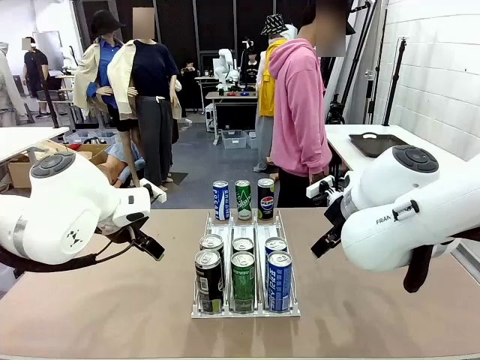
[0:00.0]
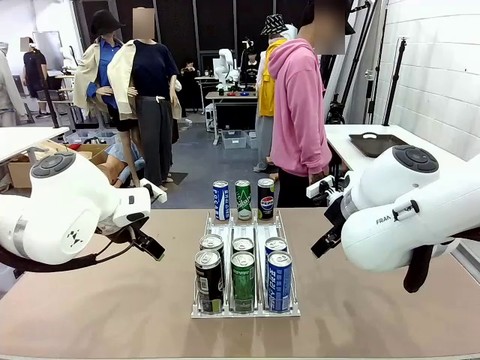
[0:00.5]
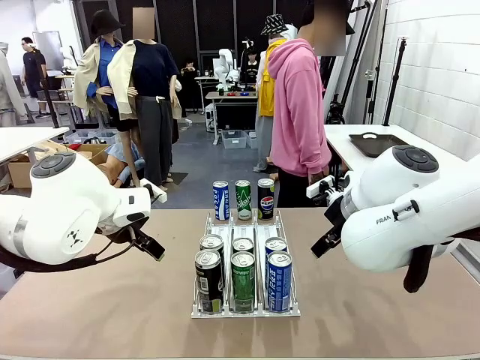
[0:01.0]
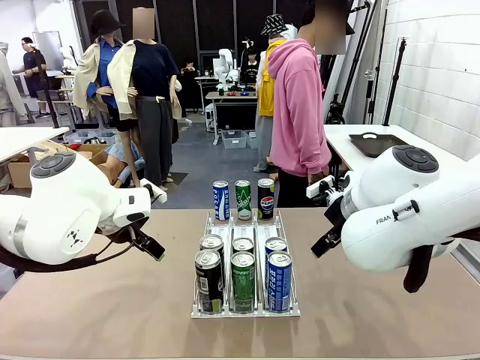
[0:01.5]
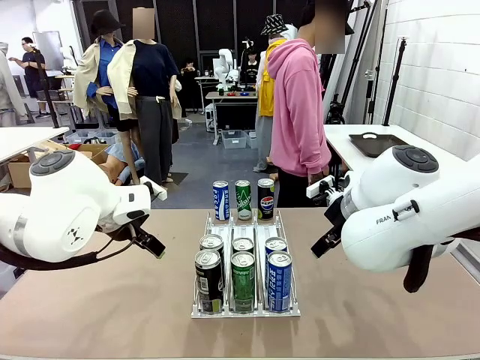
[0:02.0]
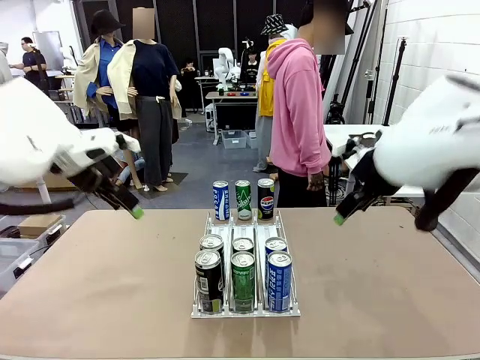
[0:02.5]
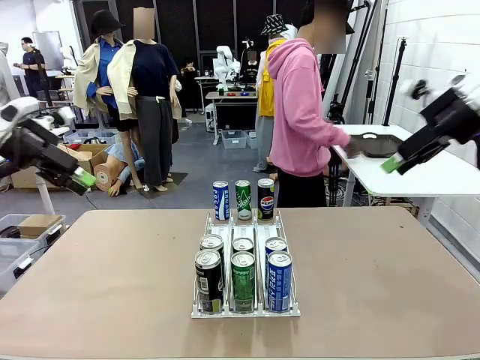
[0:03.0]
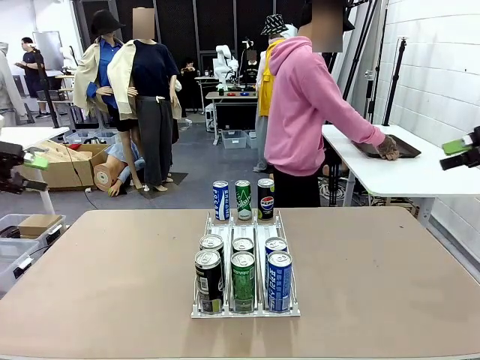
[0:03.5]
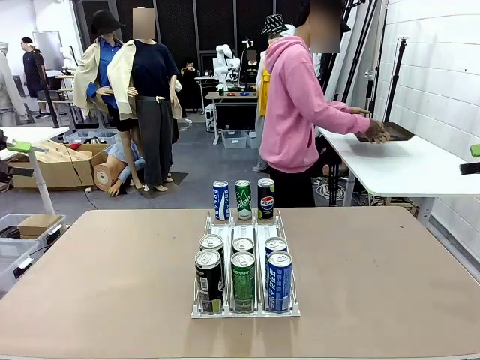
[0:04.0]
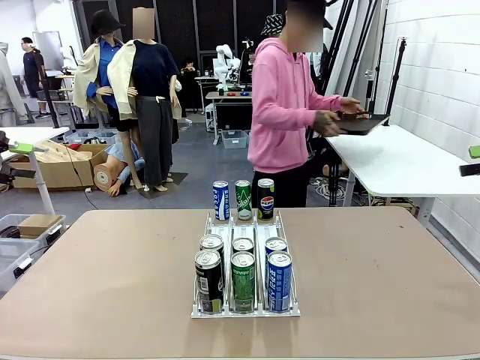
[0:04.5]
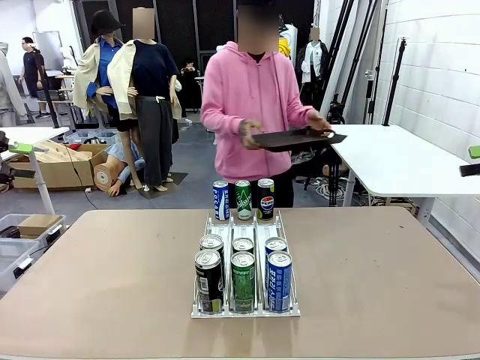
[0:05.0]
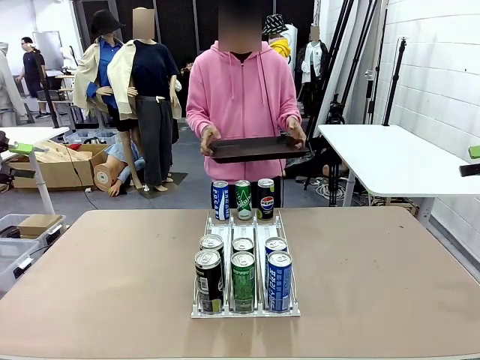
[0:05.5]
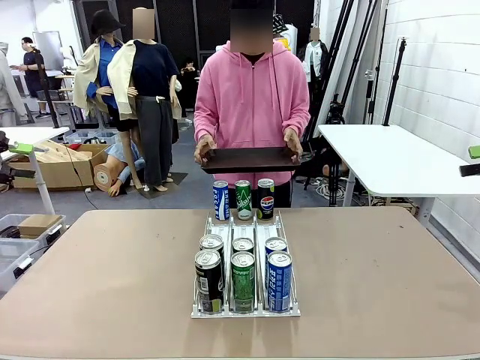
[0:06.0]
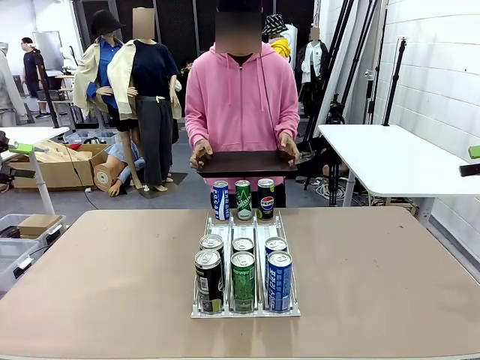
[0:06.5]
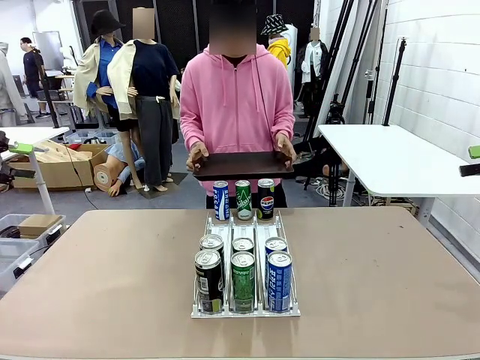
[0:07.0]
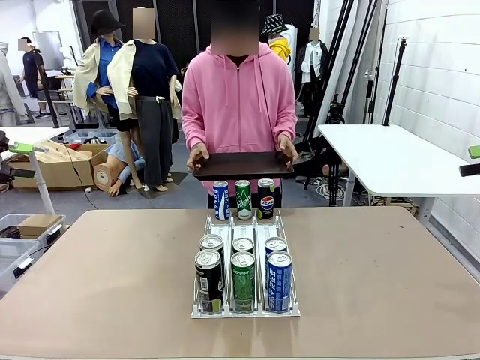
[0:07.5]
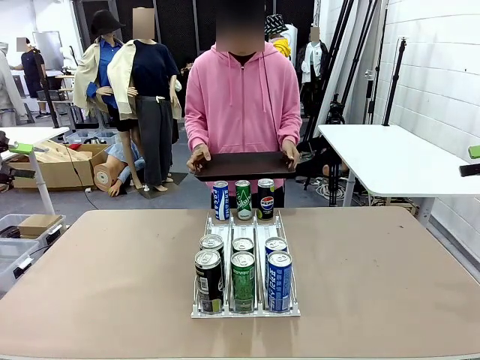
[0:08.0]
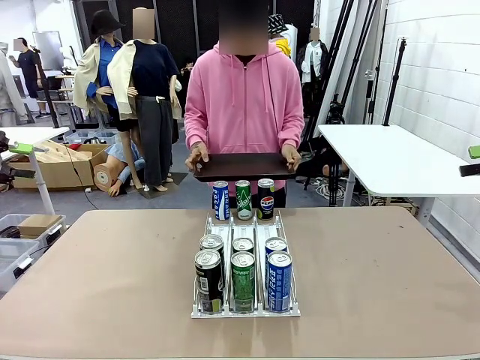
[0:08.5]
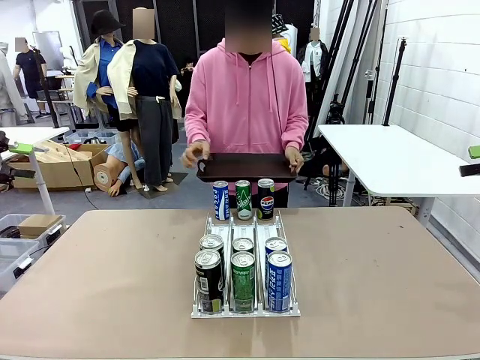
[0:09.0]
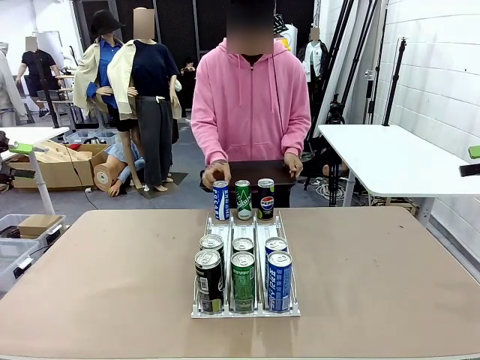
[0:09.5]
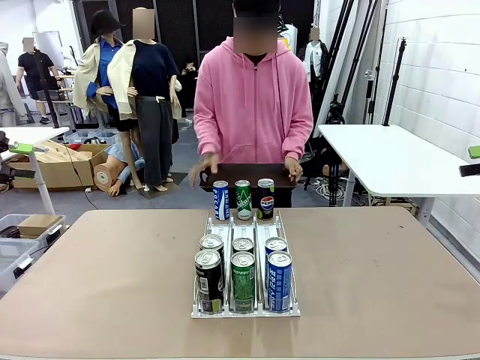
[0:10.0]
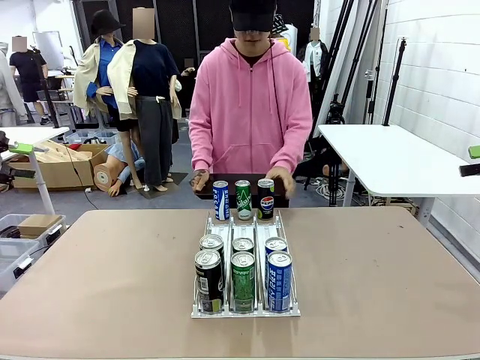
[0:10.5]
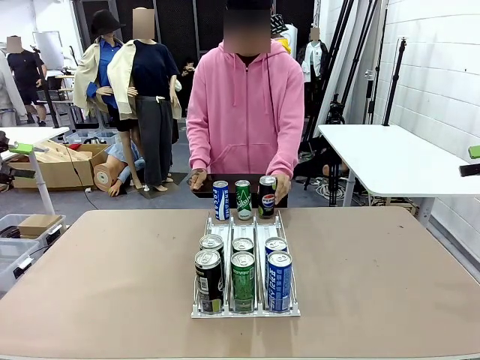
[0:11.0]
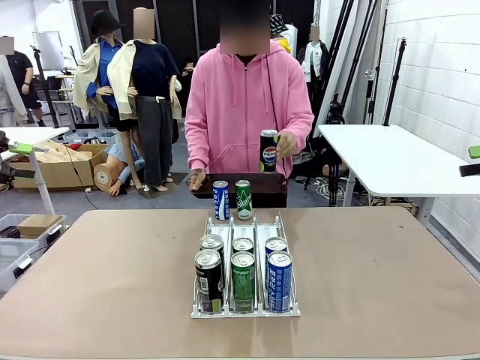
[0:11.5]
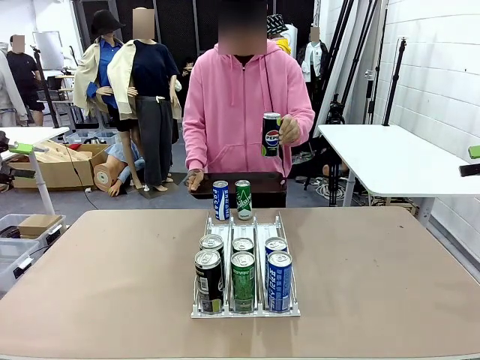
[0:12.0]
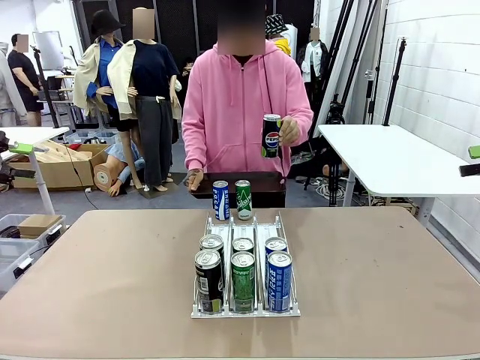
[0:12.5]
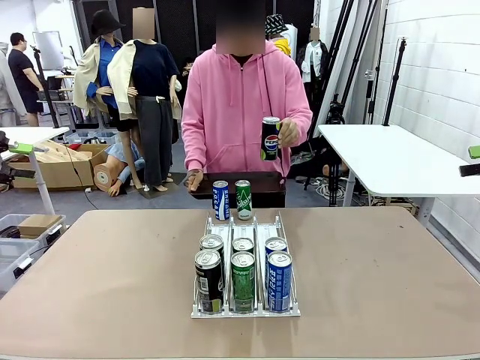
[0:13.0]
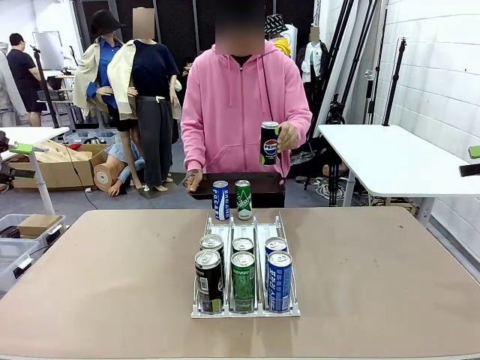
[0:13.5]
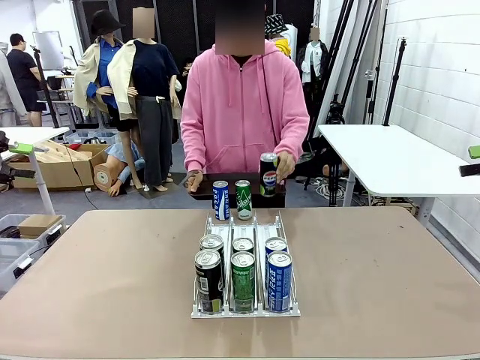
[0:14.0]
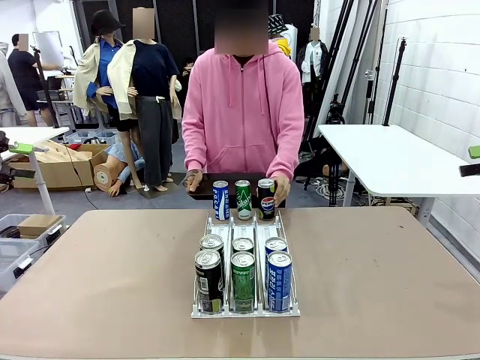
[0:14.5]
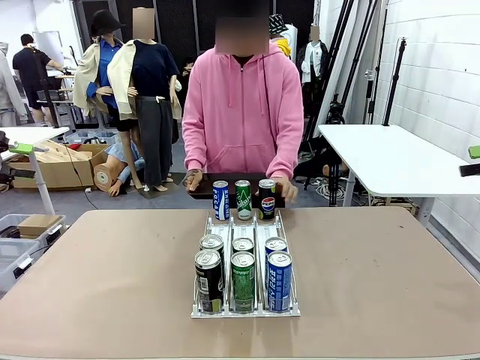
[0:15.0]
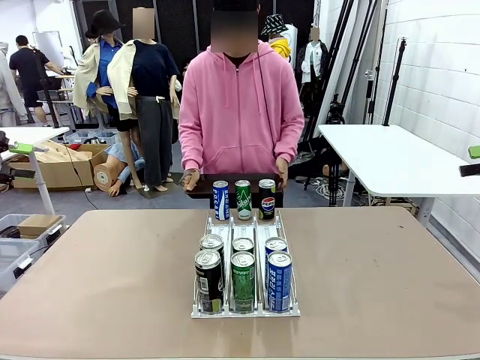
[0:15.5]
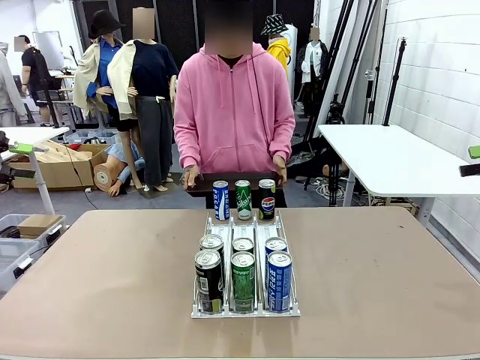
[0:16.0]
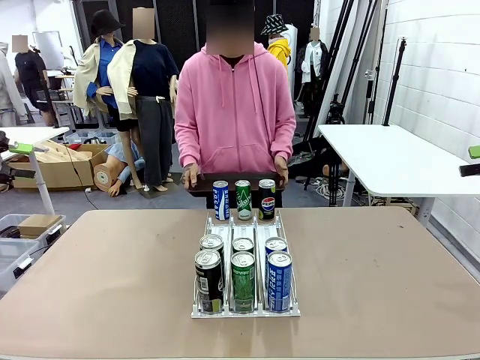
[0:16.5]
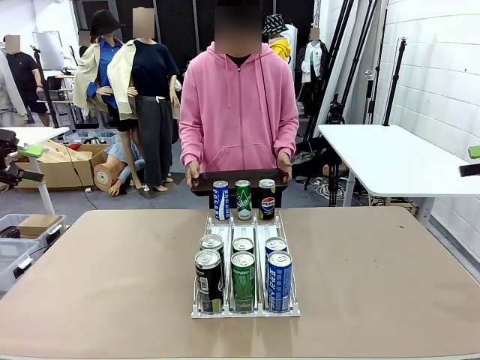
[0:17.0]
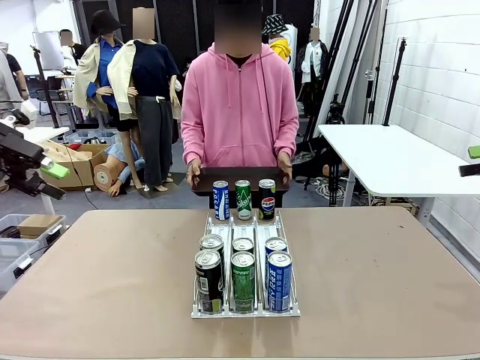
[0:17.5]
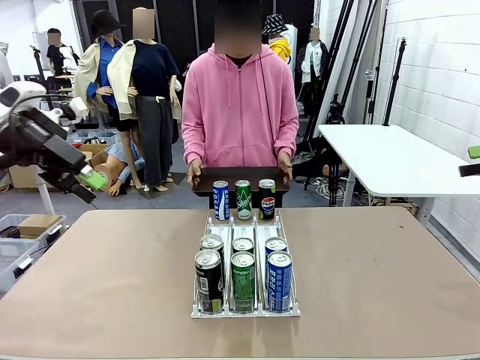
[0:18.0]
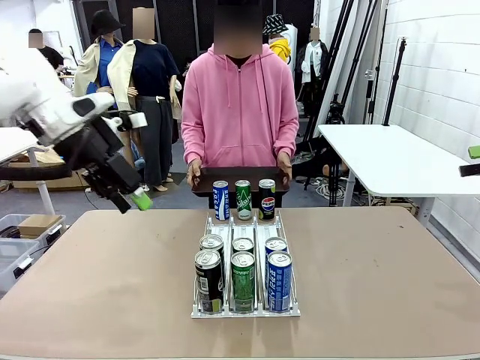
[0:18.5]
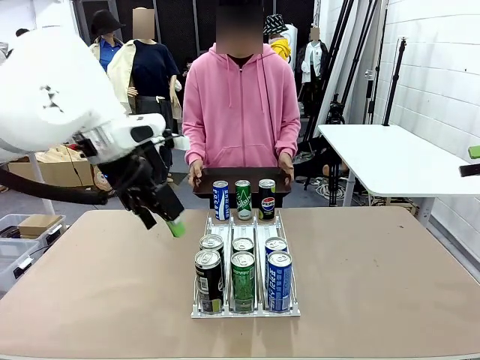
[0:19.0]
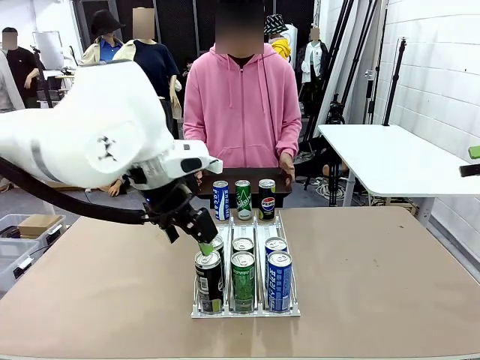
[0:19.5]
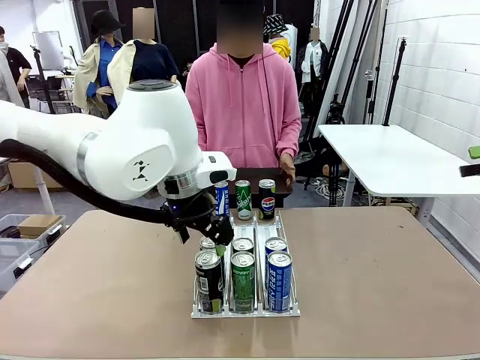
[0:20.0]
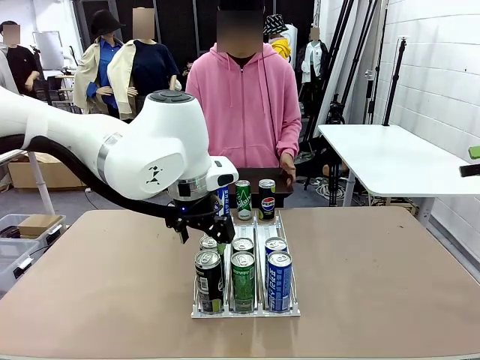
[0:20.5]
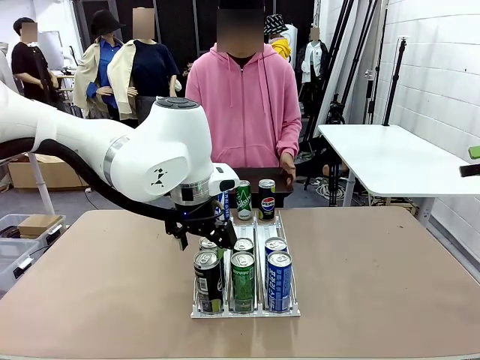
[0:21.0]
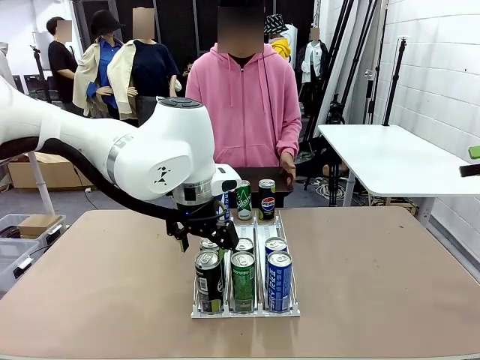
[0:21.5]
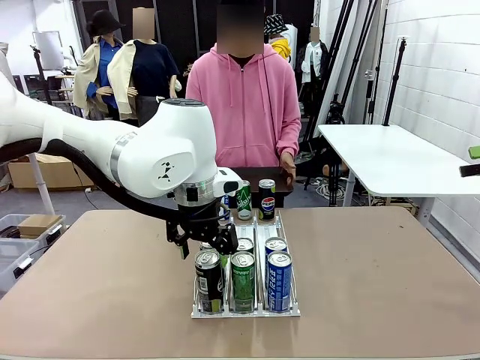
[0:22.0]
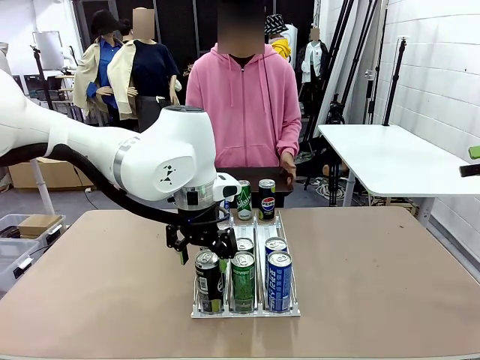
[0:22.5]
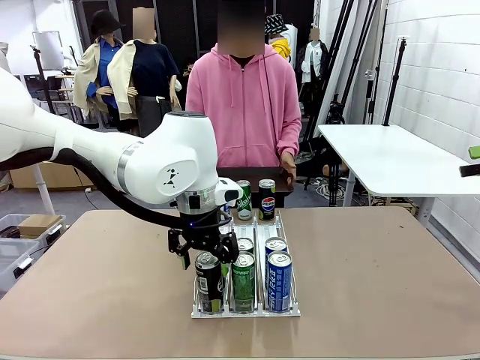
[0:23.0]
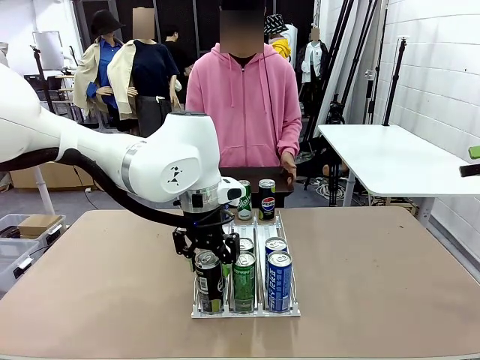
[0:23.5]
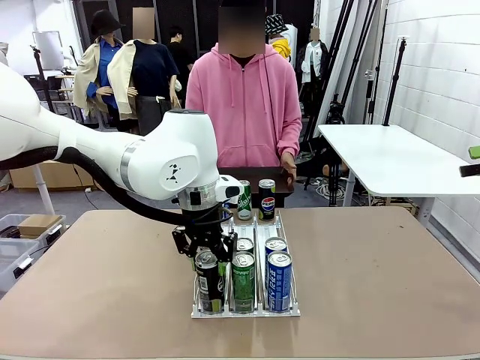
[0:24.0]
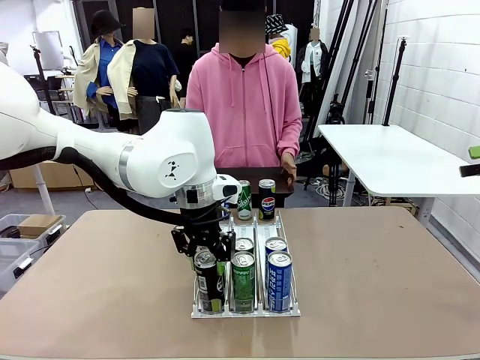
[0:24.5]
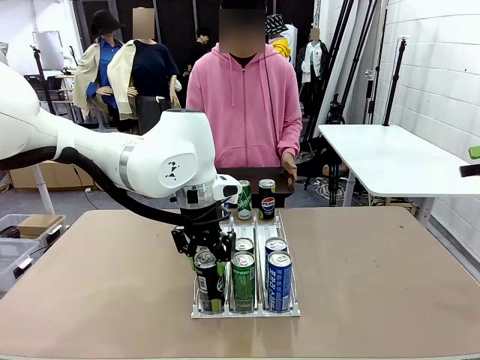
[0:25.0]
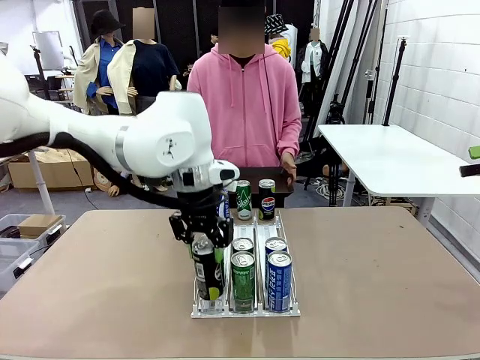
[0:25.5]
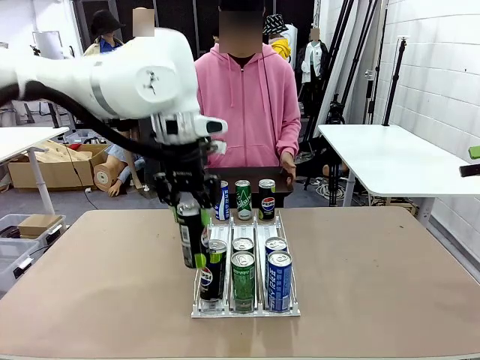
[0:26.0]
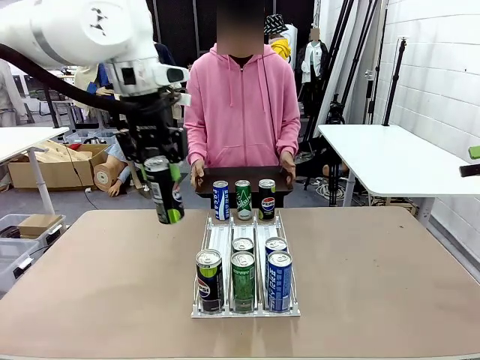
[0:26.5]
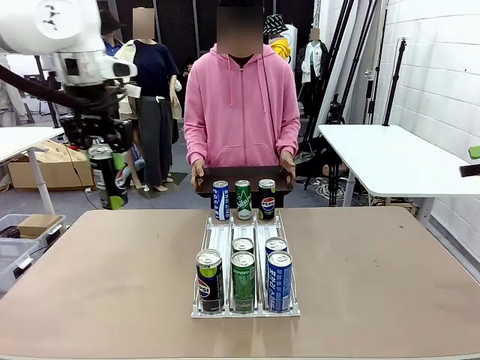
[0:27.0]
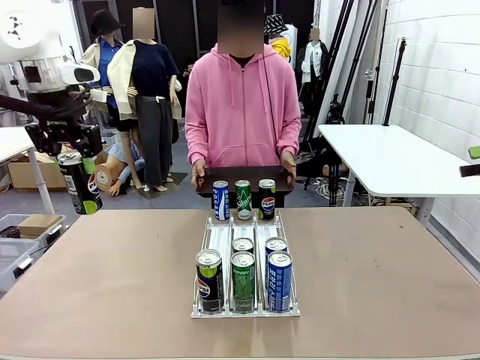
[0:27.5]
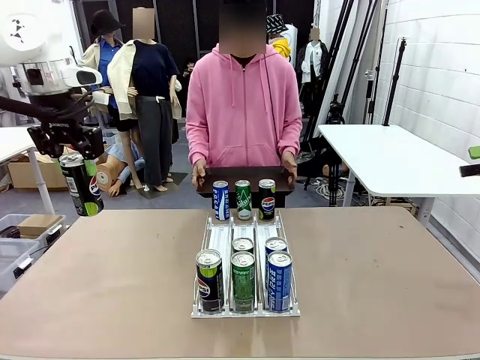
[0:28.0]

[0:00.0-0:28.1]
Task: Retrieve and hand over the desired beverage to the person.
Robot: Pick up a can of the same type that the person held from the Automatic Can Dispenser.
Person: Hold the tray and position yourself in front of the robot table. Pick up one can from the bottom area of the table and puts it back in its original place. Push the tray toward the robot.
